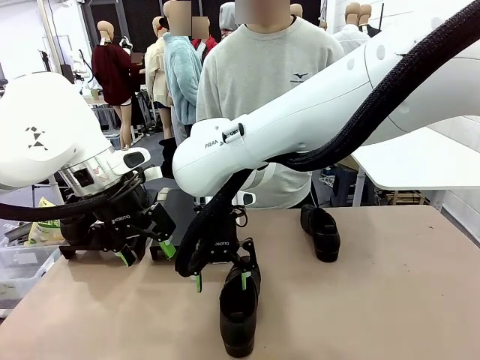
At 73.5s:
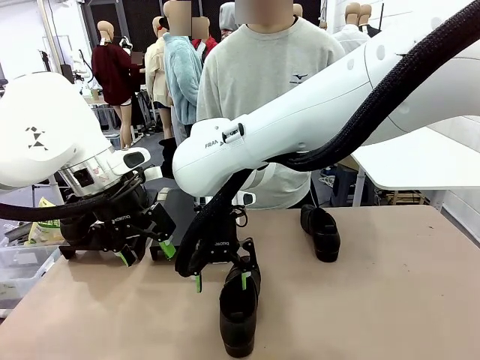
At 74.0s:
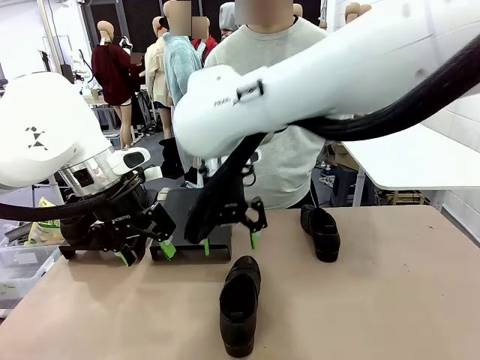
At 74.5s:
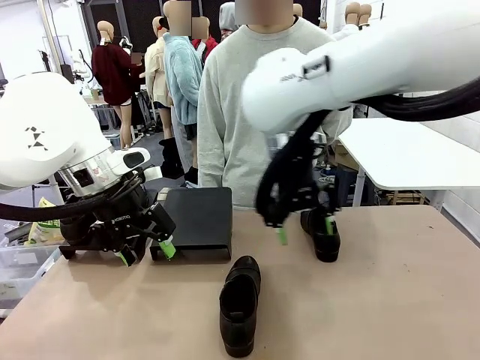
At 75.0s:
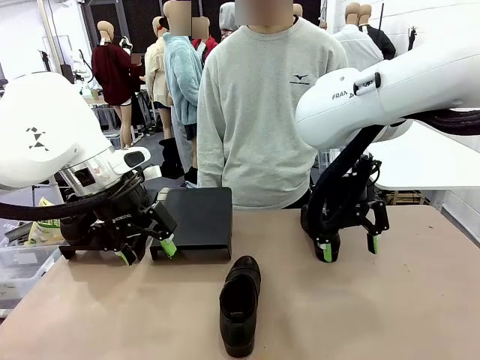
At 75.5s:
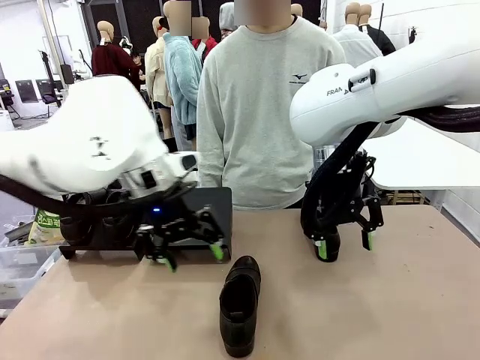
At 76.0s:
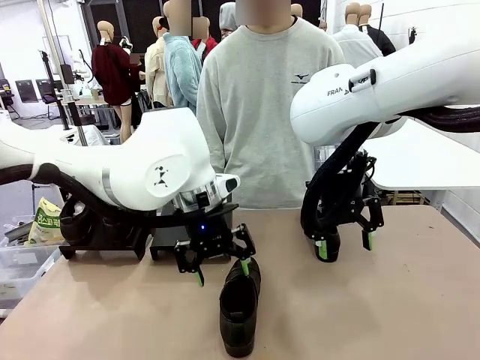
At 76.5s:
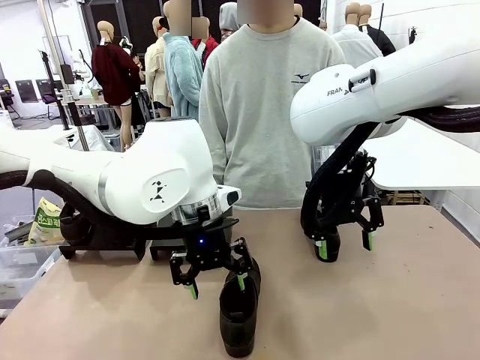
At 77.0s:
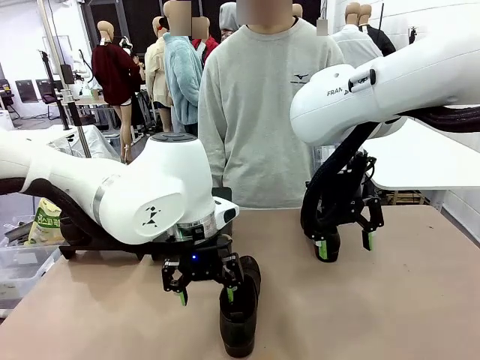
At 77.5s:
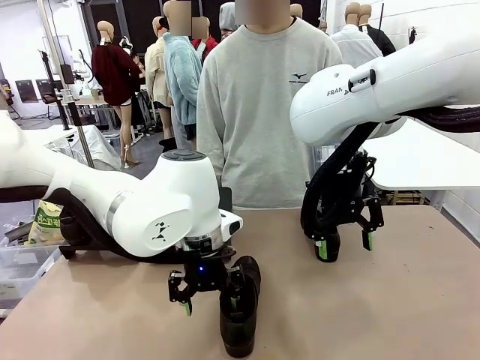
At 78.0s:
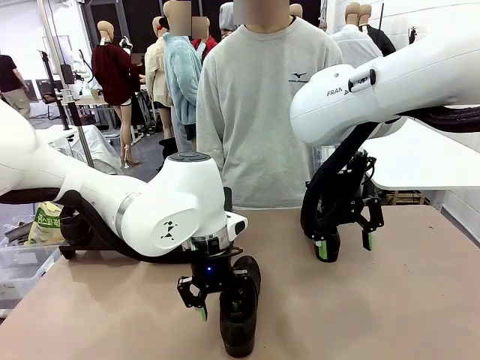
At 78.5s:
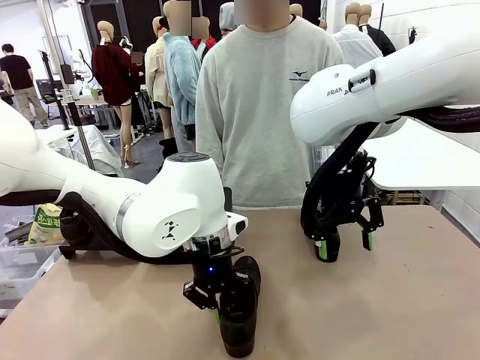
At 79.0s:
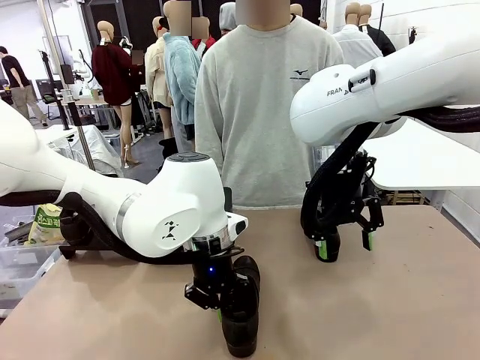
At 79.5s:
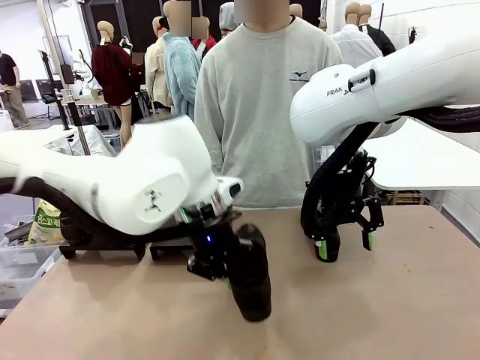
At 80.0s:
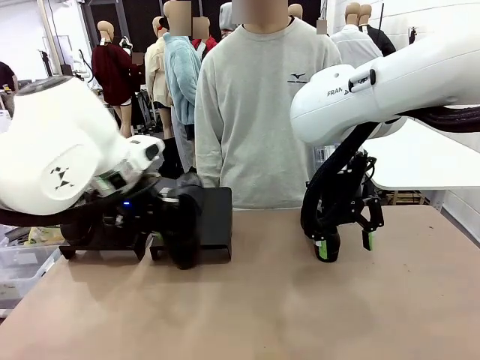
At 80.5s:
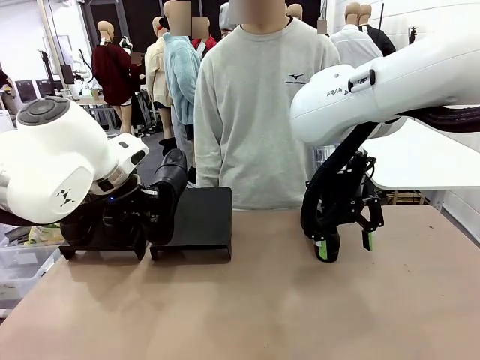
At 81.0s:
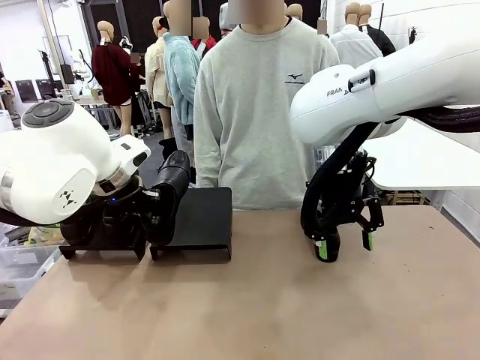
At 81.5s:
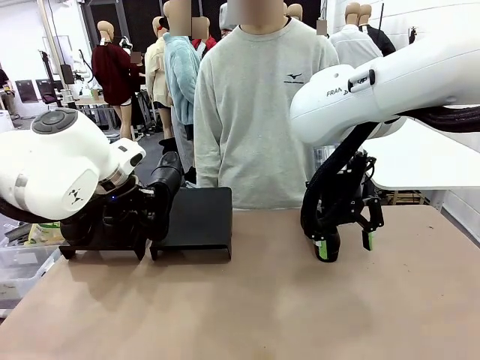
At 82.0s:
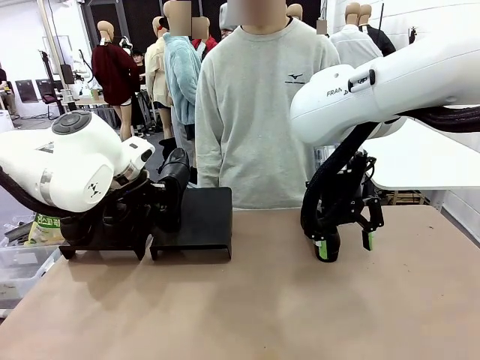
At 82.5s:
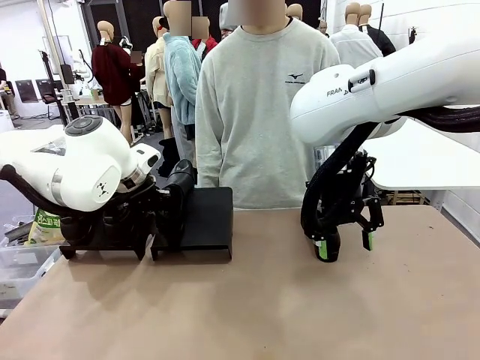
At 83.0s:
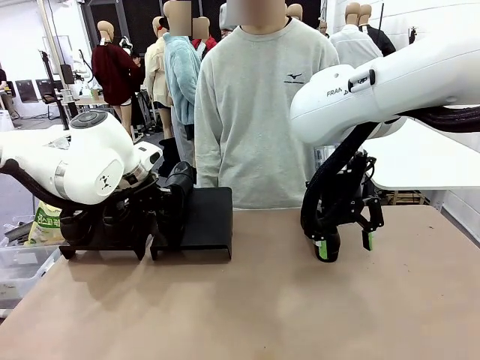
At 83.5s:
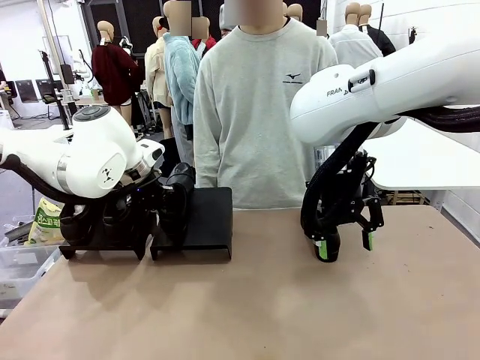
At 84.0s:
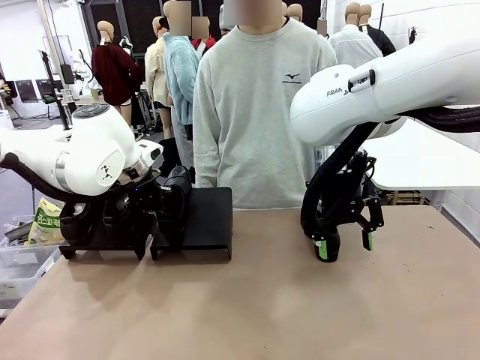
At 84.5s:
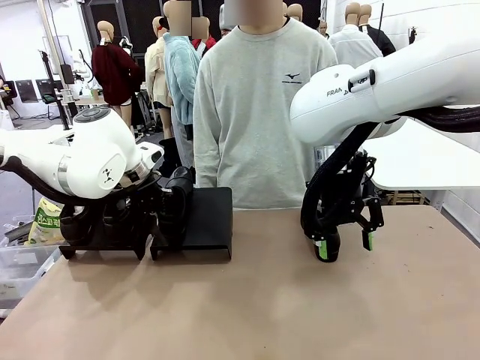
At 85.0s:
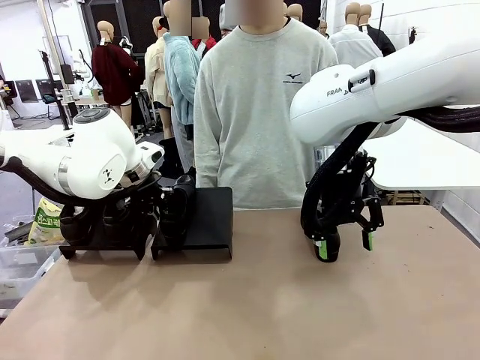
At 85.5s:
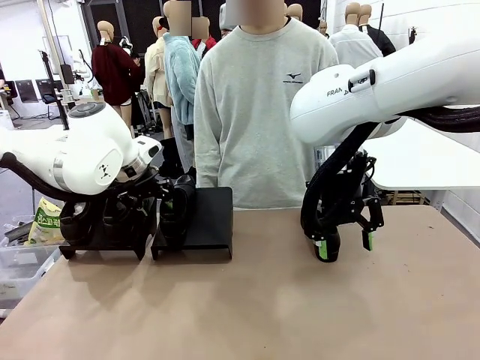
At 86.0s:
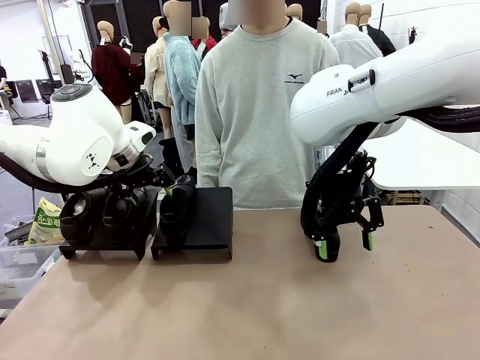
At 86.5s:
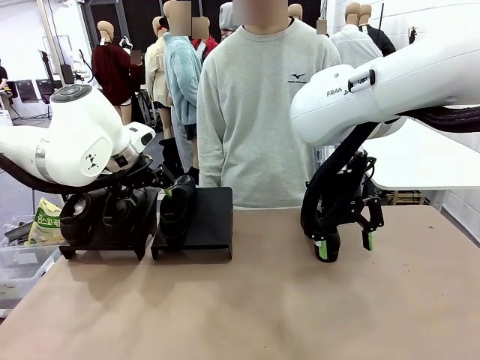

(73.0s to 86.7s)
Task: Organize the shoes by placing them on the stand.
Robot: Place the Shoe from the middle of the table onto the Shoes Stand.

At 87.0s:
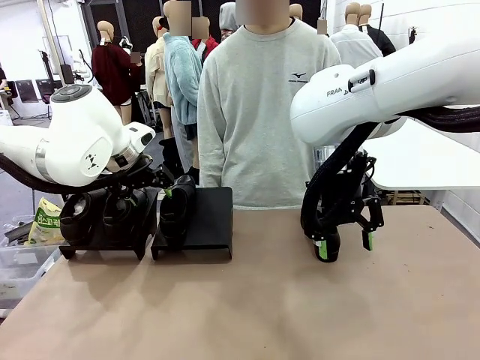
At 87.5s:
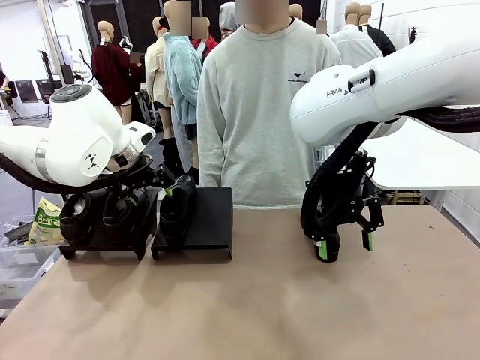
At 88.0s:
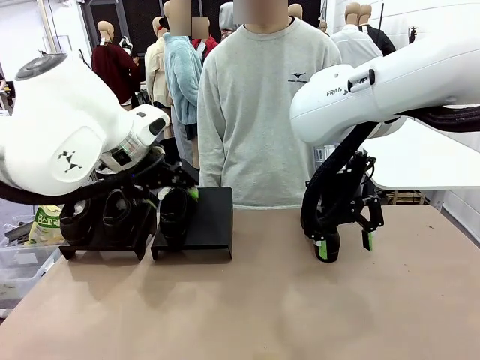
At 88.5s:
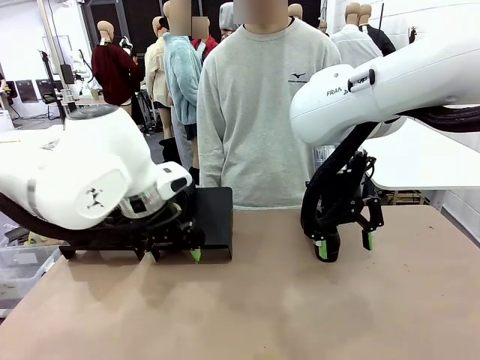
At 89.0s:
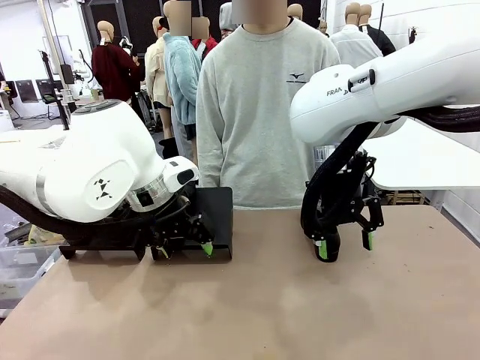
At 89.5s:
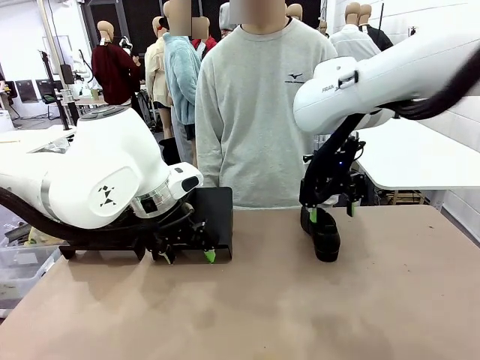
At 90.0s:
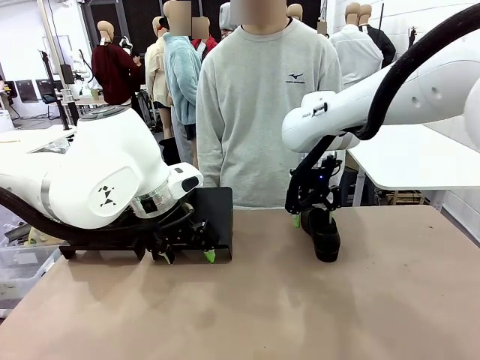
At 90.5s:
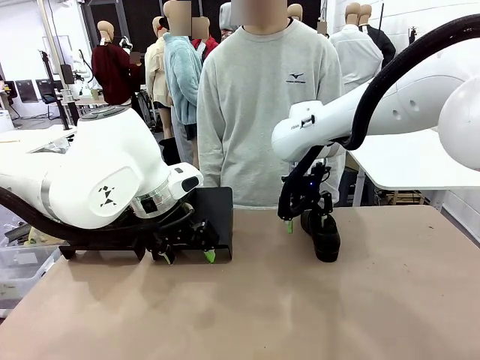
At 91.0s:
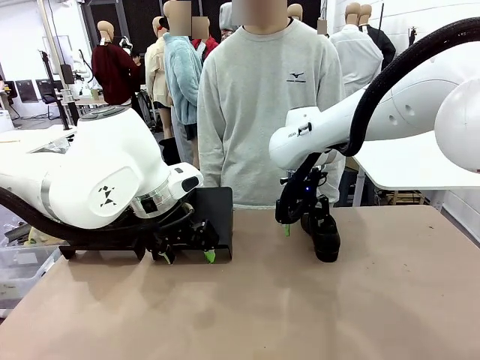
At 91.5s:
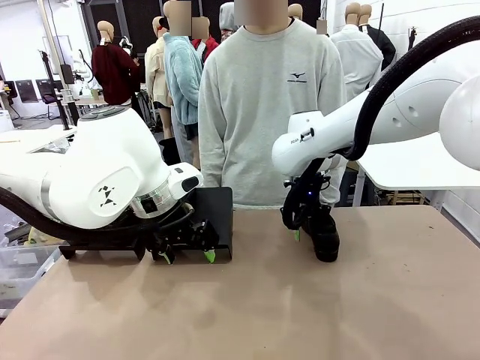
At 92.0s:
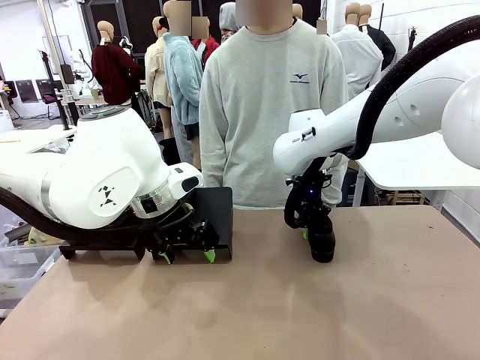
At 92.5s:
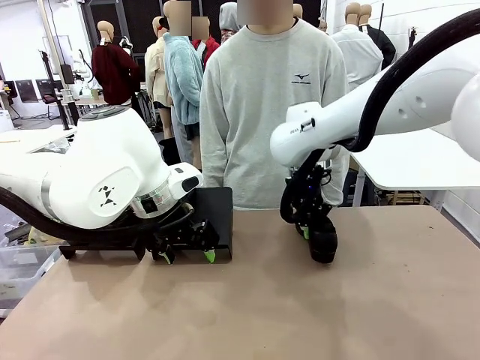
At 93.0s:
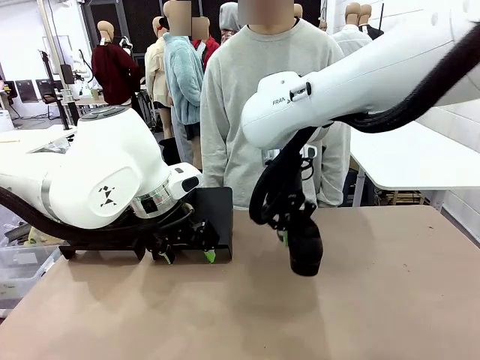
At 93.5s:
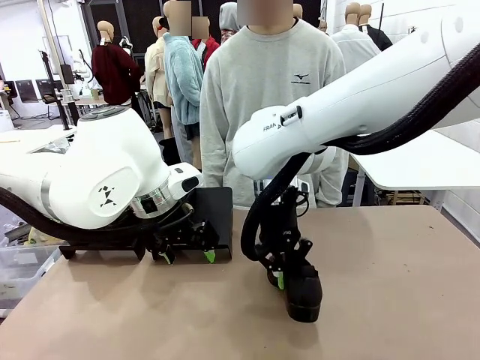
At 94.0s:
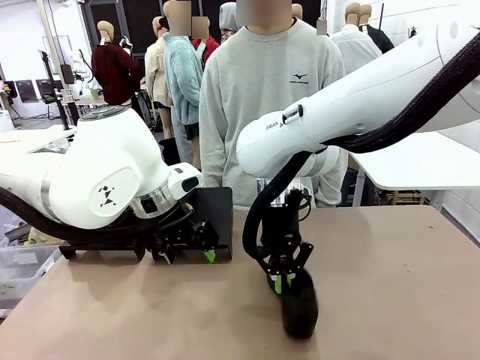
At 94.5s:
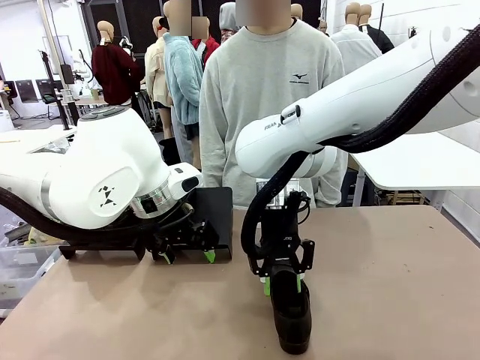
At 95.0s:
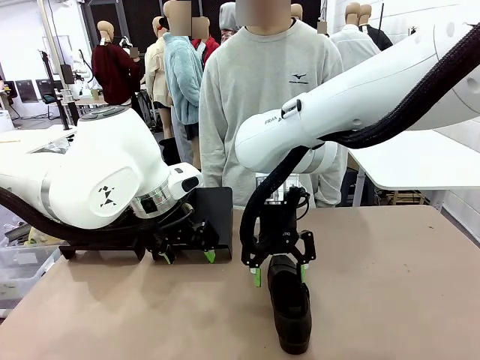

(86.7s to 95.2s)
Robot: Pick up one Shoe and place it in the middle of the table.

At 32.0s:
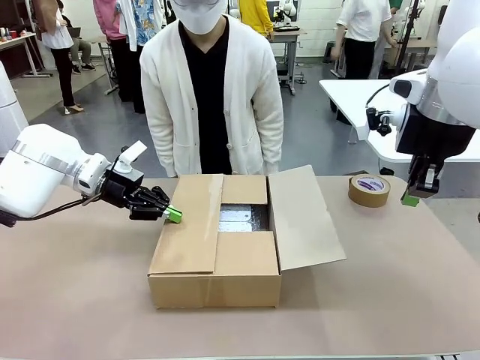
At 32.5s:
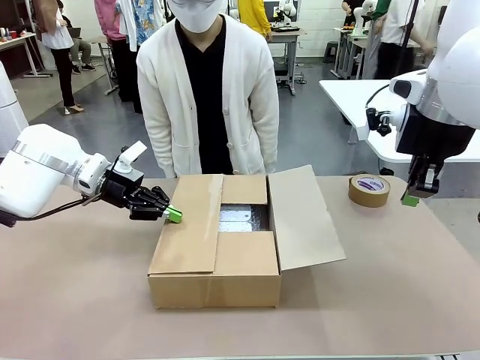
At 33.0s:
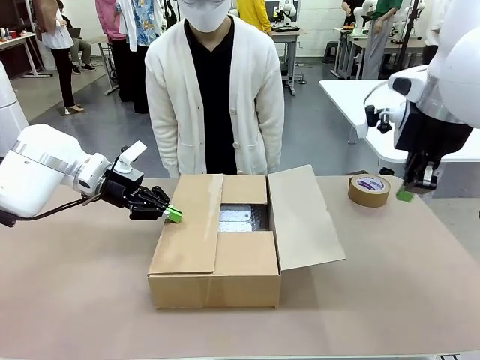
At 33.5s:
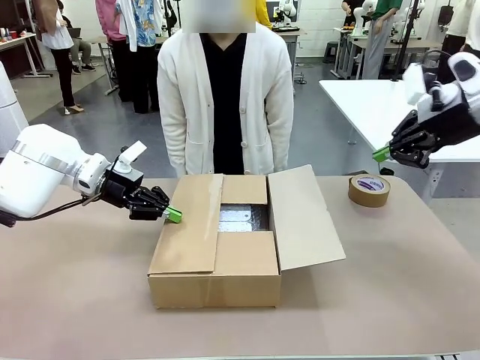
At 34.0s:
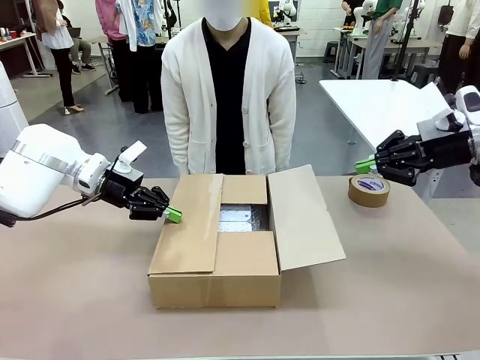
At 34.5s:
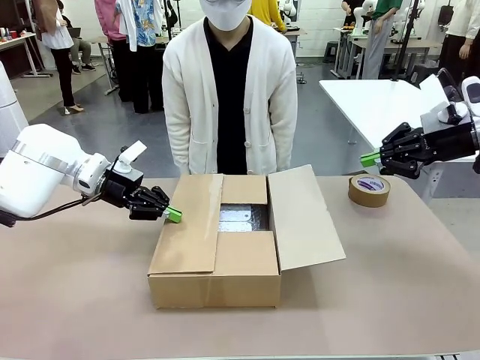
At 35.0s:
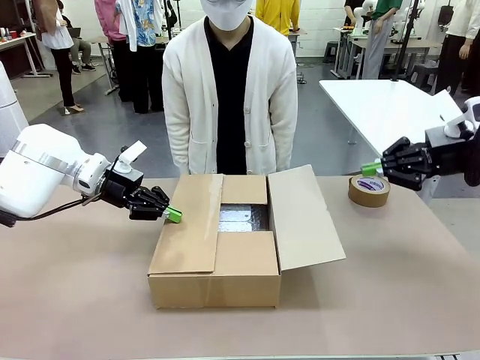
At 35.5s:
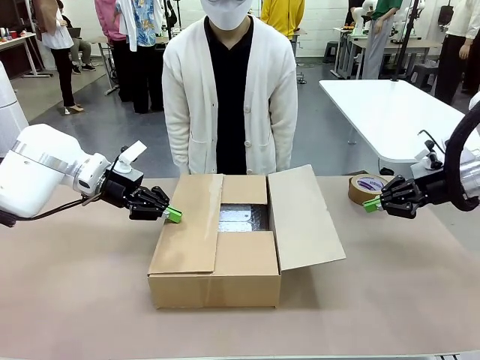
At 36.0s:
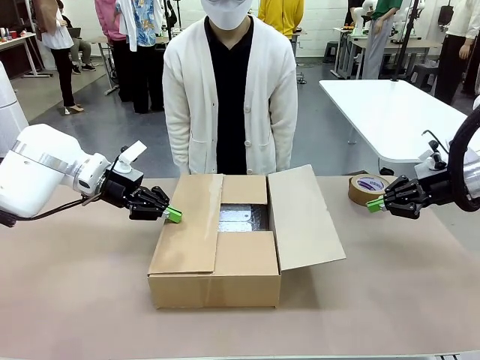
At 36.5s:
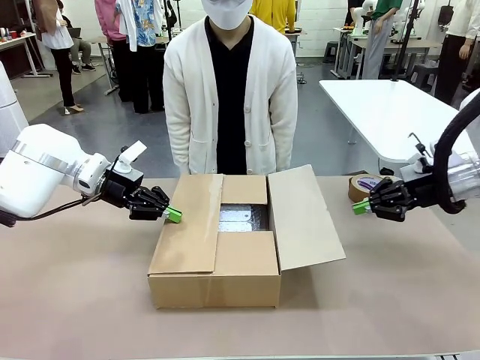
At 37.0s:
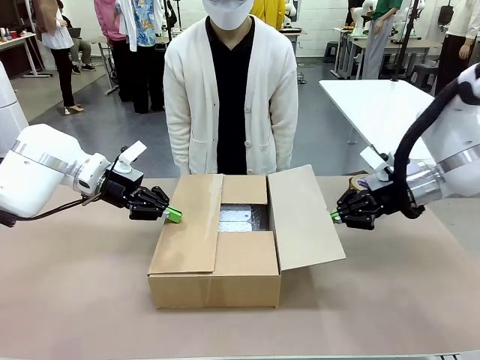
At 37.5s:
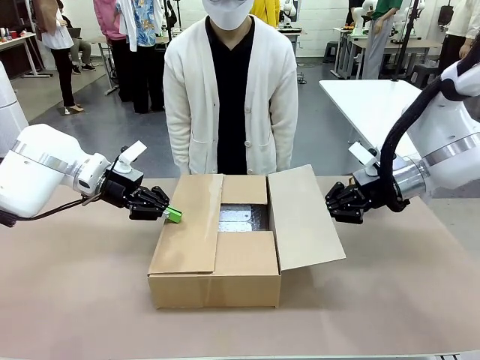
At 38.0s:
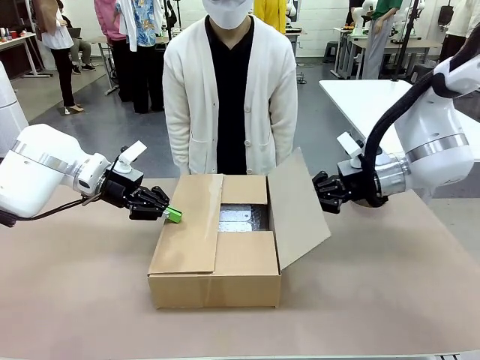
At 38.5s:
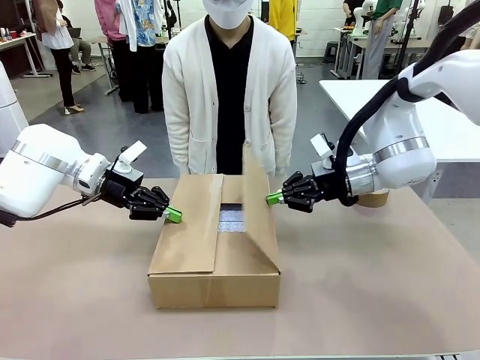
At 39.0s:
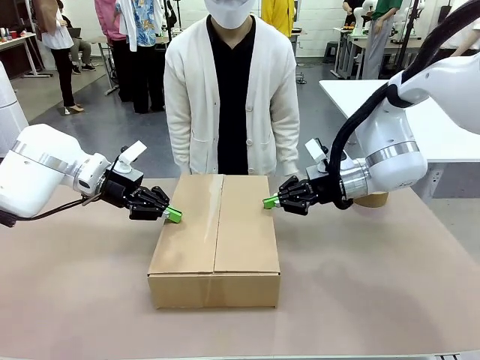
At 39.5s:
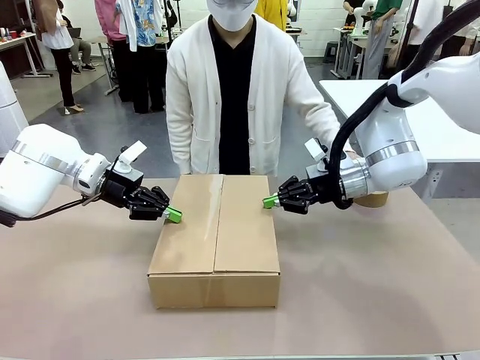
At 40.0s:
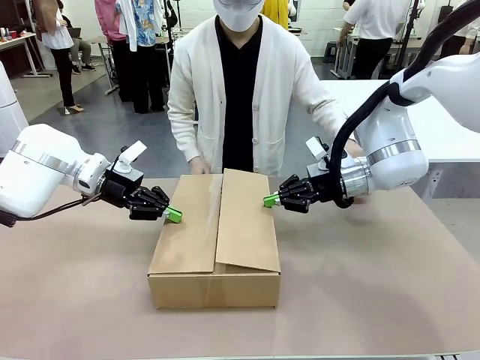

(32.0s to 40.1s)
Task: Wrap the clocks to prevent damage.
Robot: Push the left (or right) flap of the Package Box to close it.
